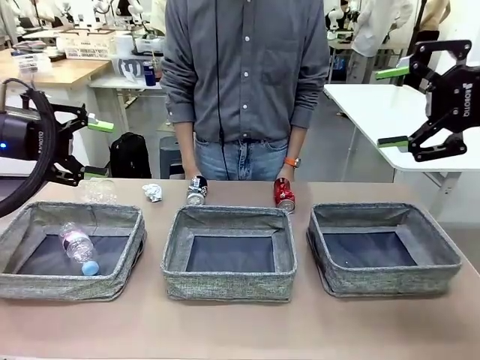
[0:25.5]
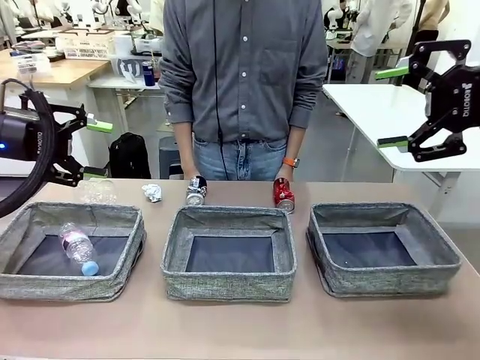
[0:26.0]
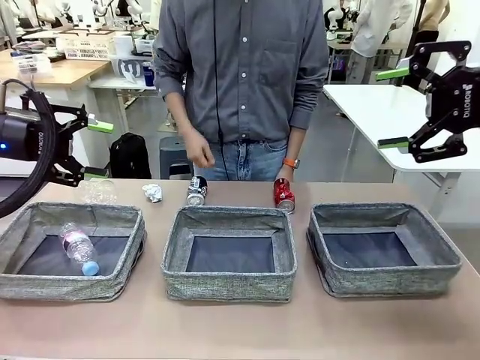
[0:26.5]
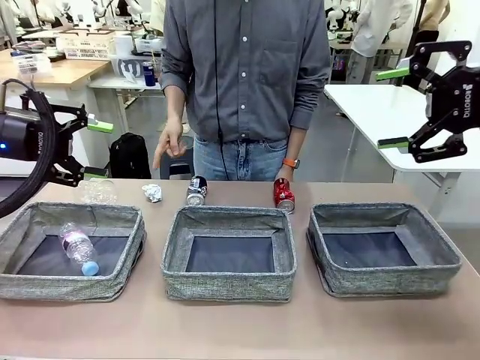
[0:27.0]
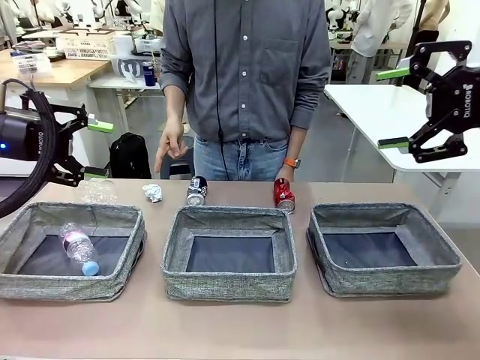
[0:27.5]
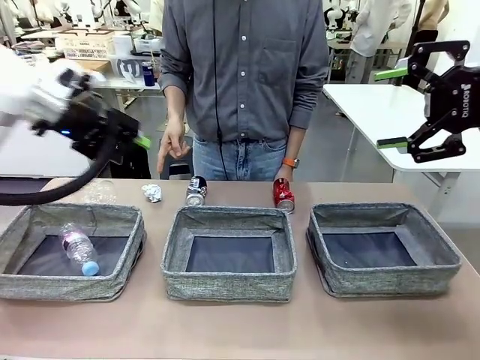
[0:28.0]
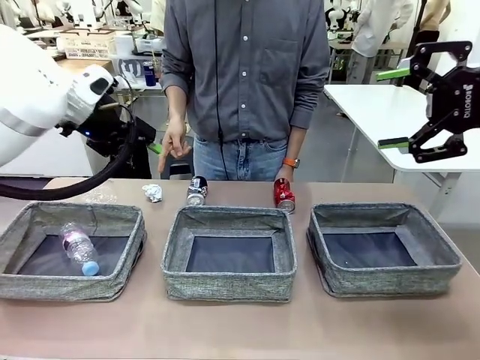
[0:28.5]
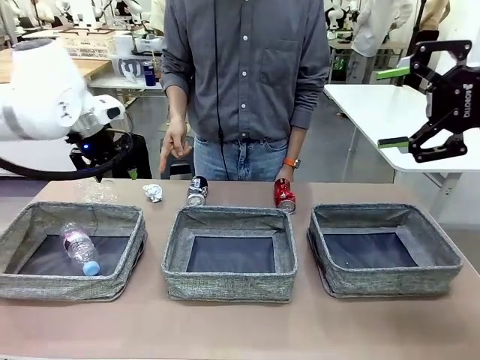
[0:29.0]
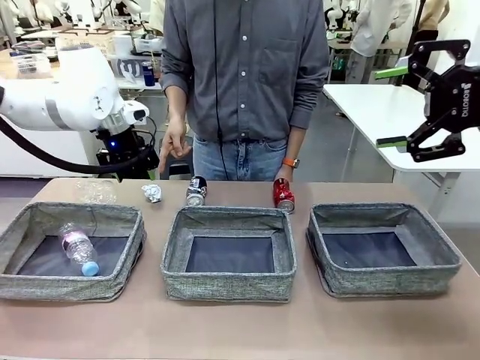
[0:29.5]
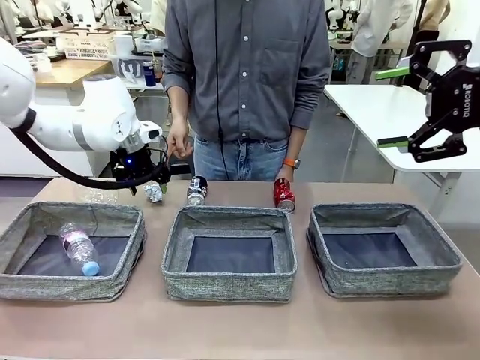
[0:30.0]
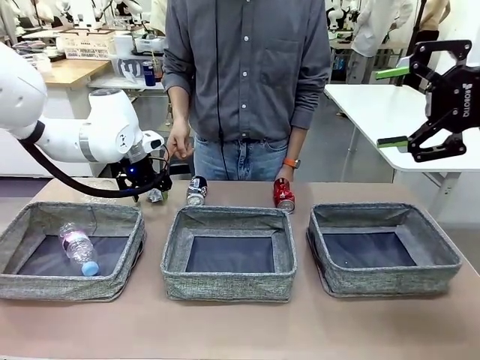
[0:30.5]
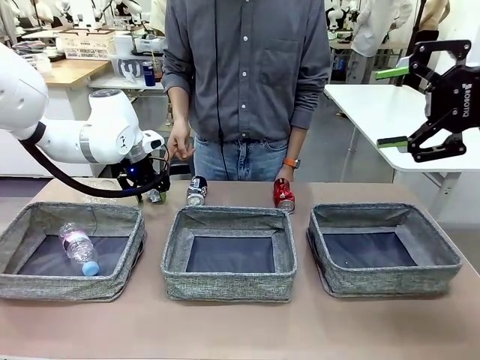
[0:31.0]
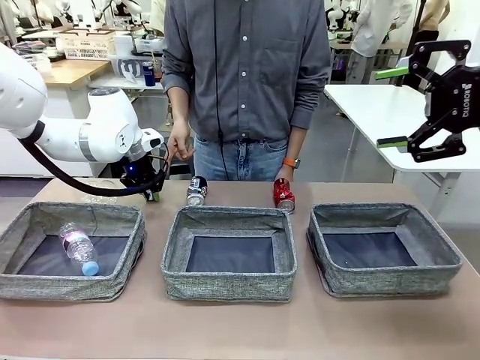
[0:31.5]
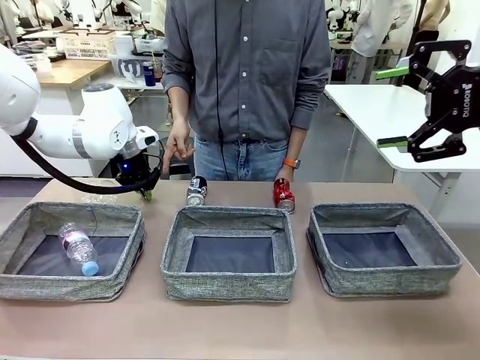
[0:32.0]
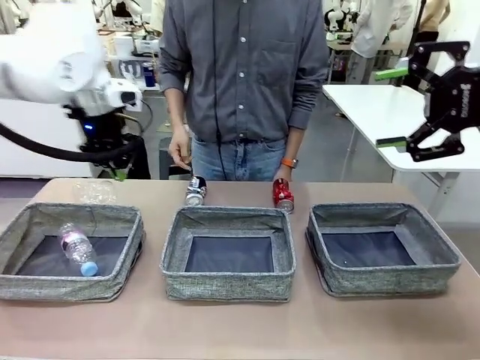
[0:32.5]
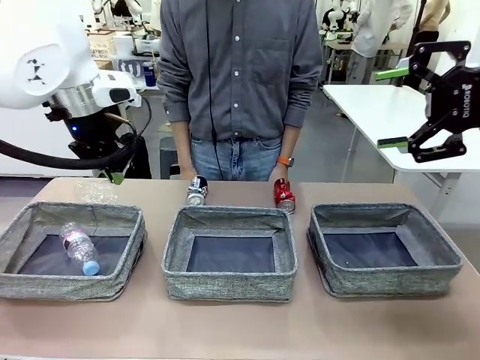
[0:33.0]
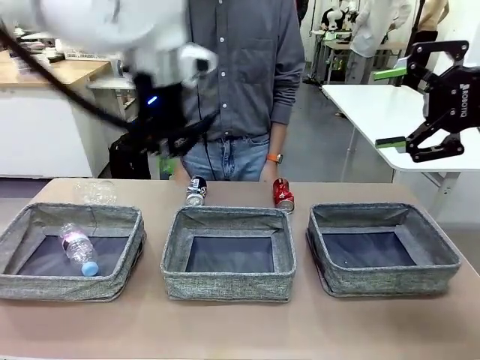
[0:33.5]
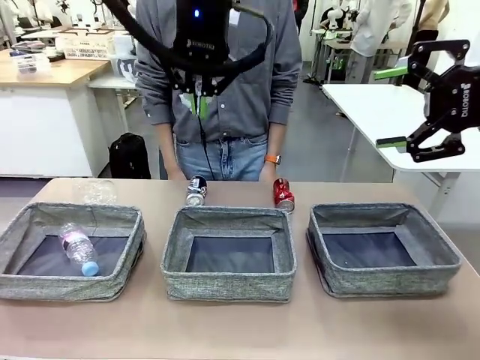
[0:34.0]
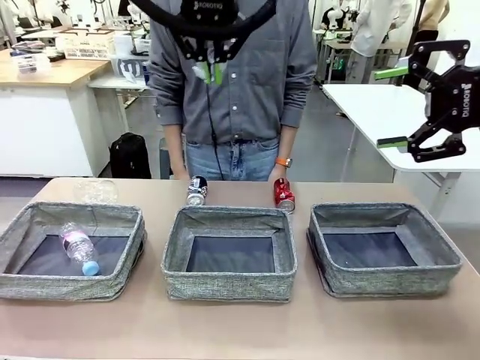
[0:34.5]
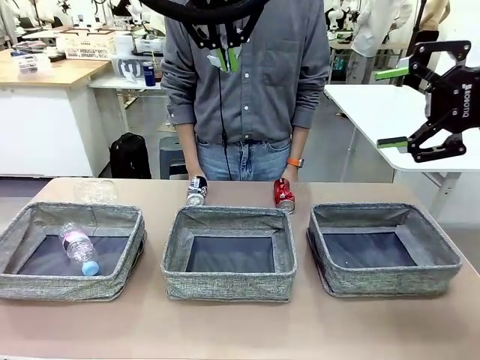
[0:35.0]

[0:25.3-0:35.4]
Task: Sort the waste into the appropriate baskets.
Robot: Pick up the waste item pointed out by the person.
Person: Points to one piece of trash on the table.

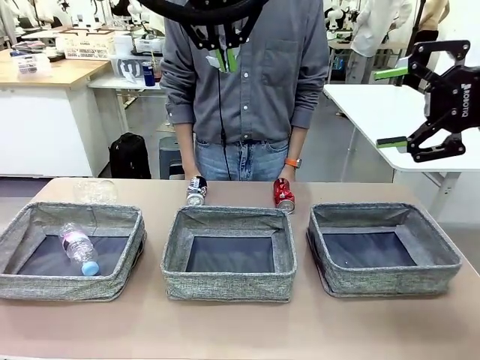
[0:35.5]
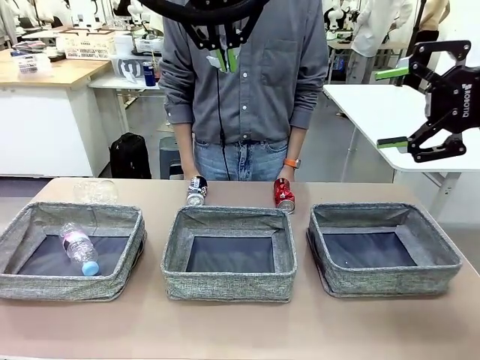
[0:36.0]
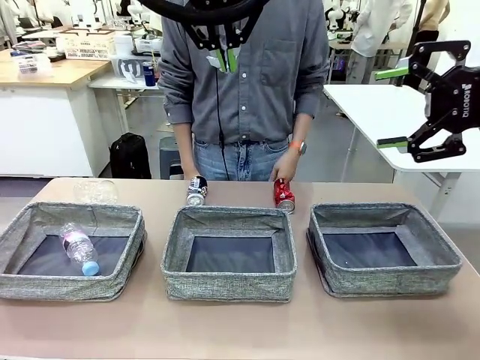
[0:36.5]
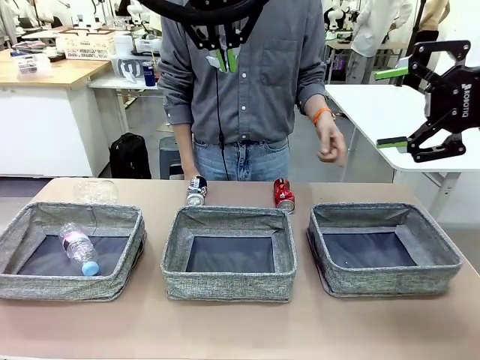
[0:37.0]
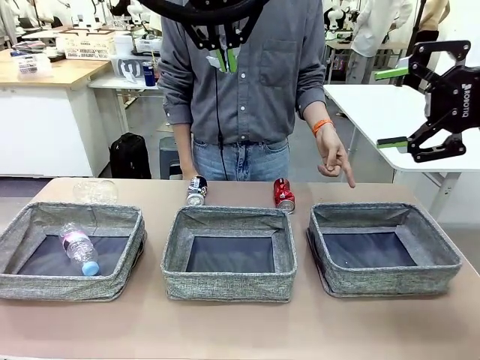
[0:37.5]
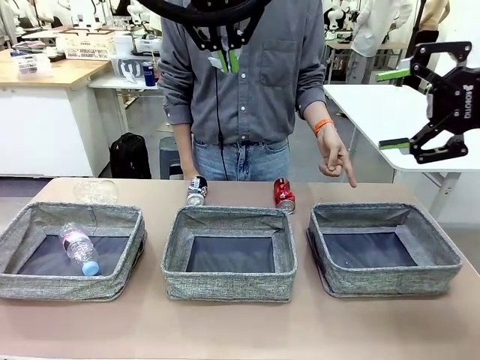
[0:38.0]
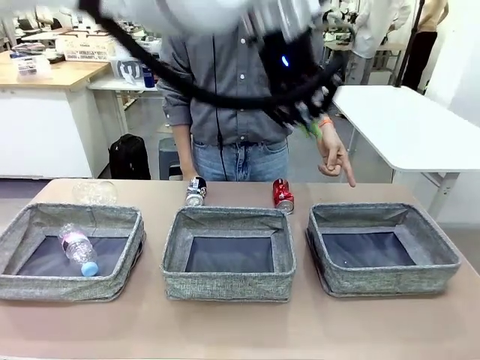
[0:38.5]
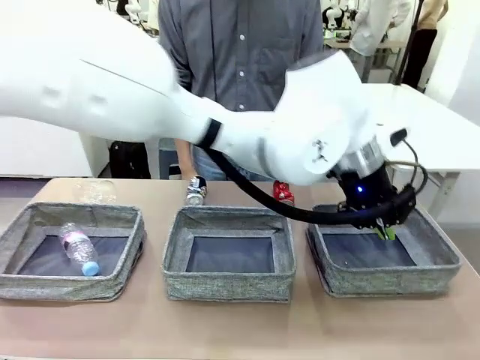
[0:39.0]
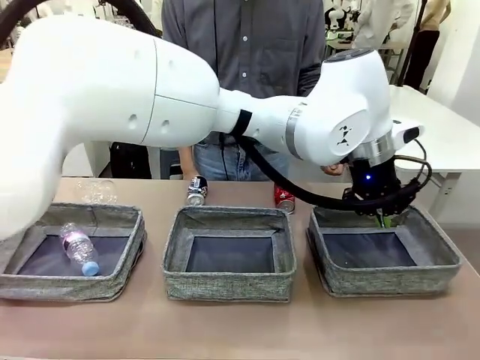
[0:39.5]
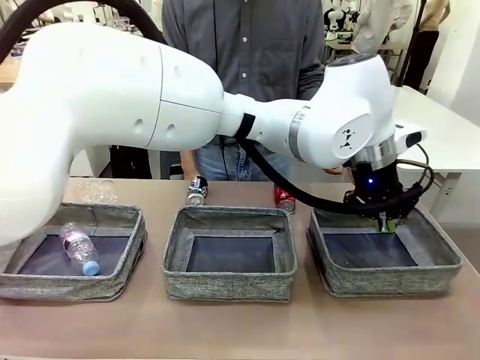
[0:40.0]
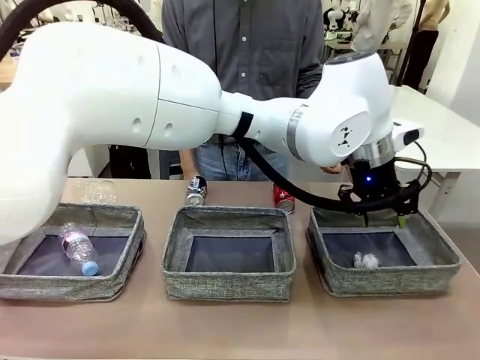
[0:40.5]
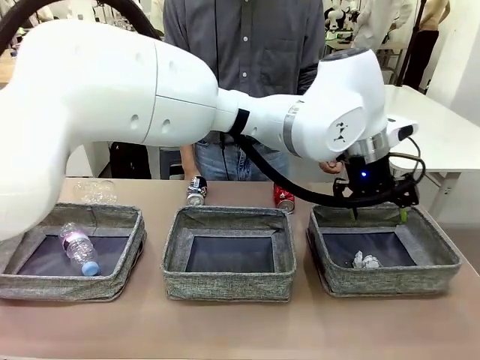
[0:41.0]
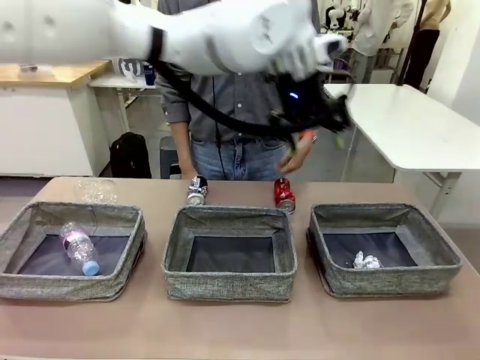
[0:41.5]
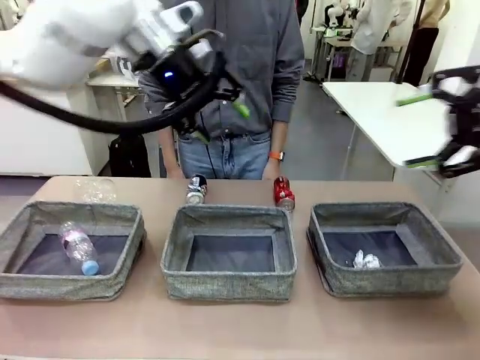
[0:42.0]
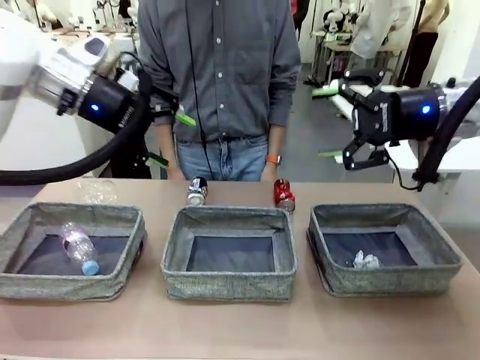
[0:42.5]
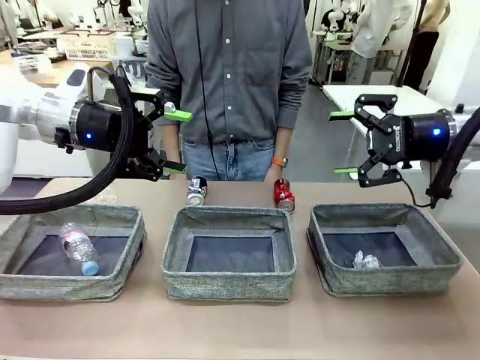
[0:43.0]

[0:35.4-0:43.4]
Robot: Place the picked waste into the Fabric basket indicated by the person.
Person: Instructs the robot to place the picked-up trash into the appropriate organizing basket.

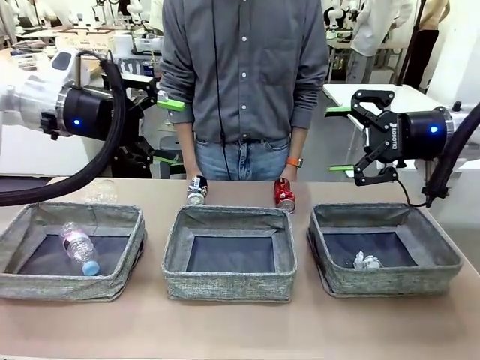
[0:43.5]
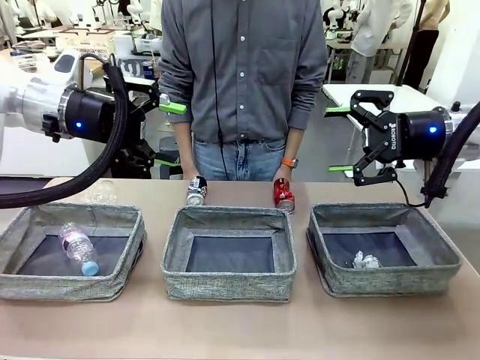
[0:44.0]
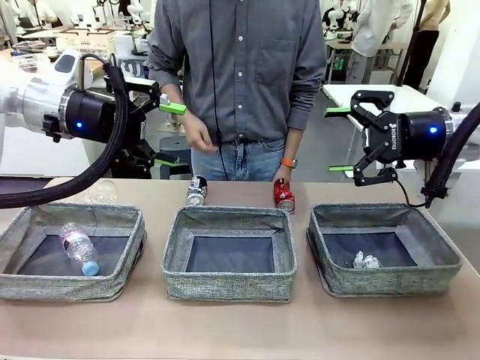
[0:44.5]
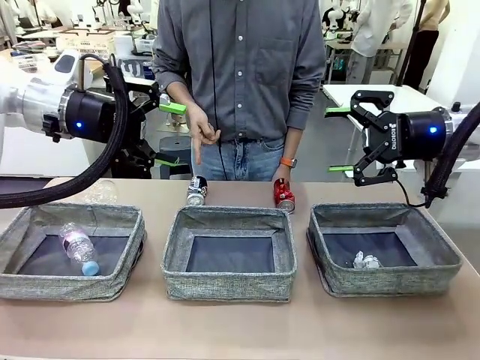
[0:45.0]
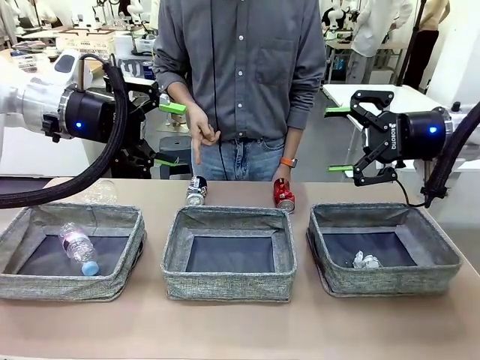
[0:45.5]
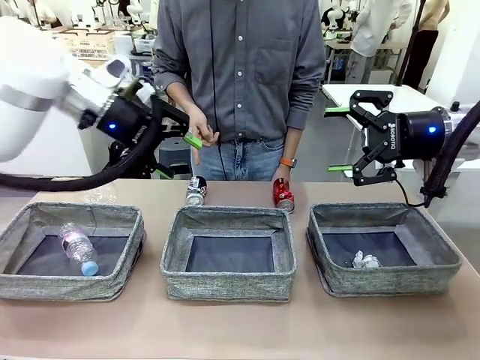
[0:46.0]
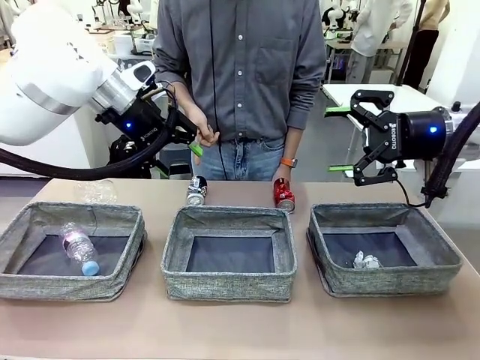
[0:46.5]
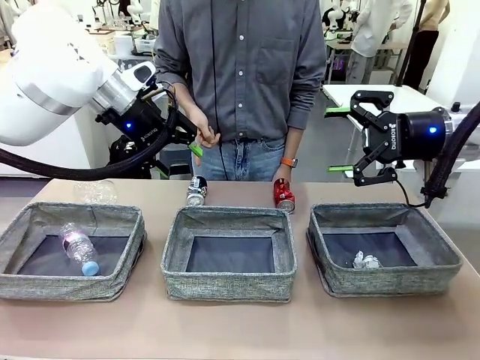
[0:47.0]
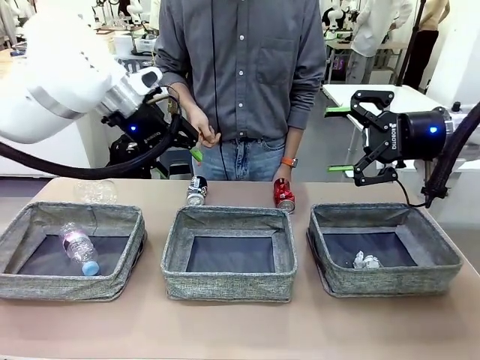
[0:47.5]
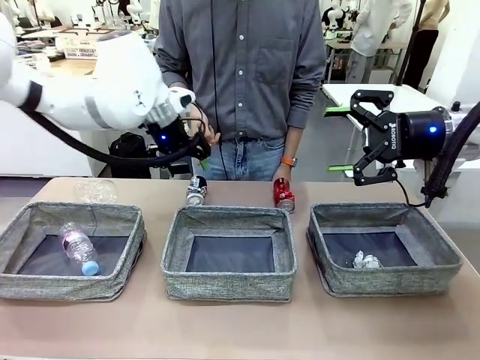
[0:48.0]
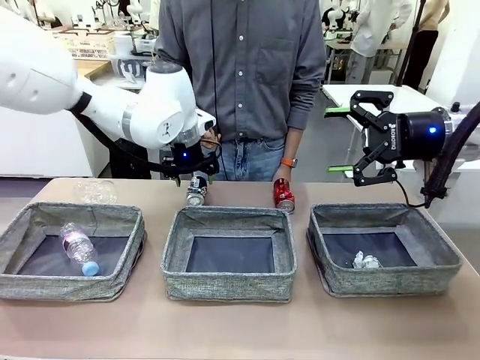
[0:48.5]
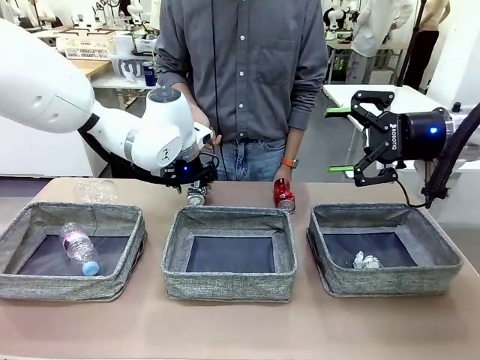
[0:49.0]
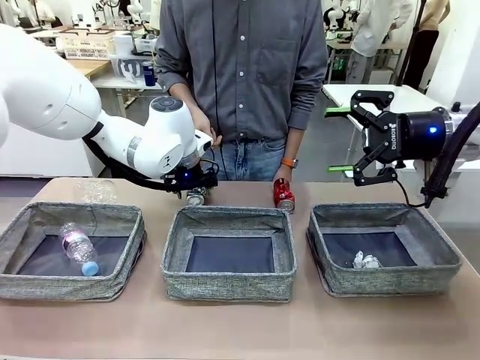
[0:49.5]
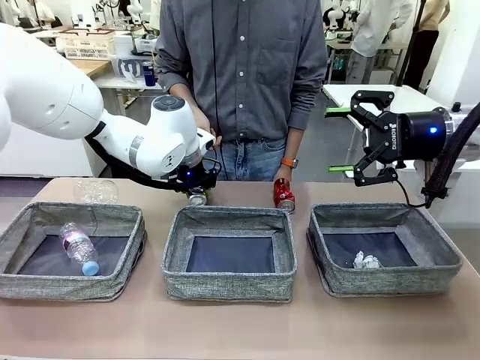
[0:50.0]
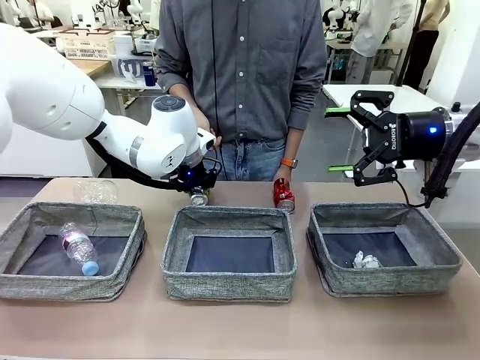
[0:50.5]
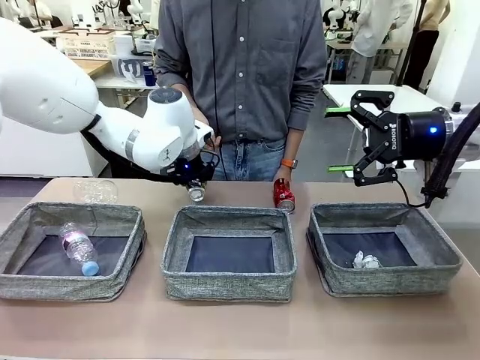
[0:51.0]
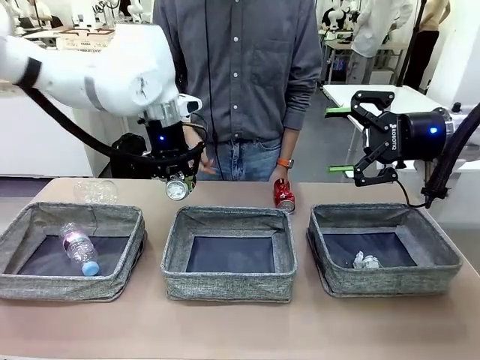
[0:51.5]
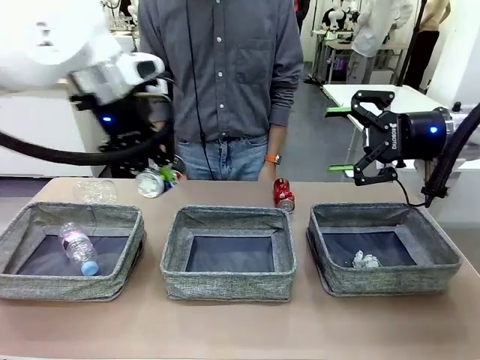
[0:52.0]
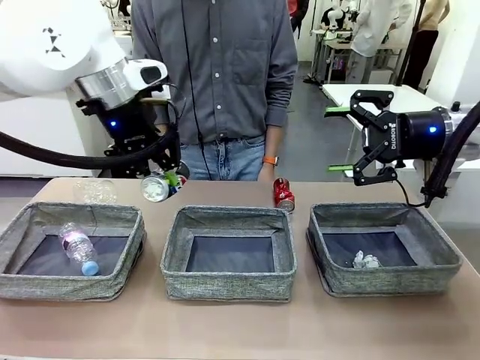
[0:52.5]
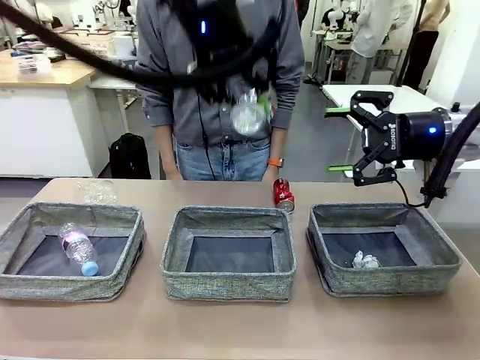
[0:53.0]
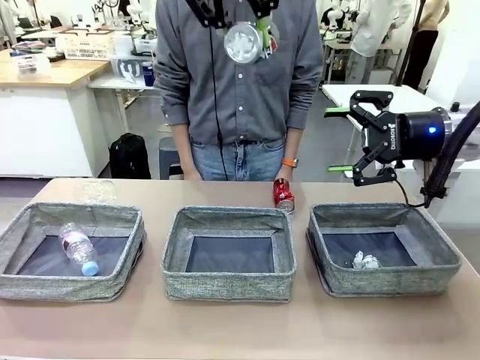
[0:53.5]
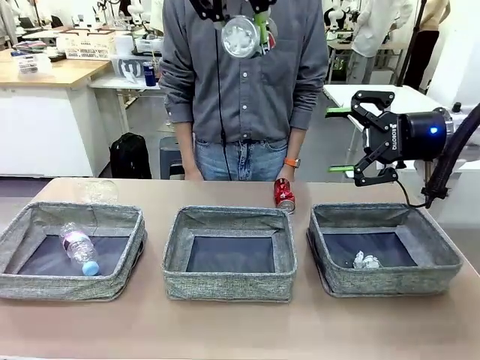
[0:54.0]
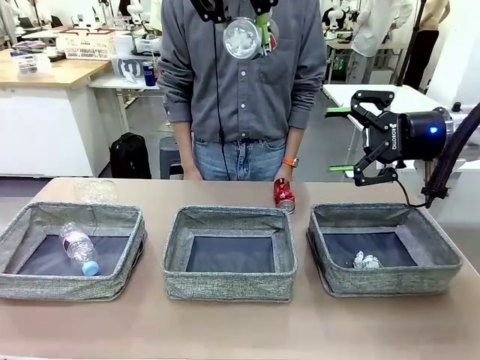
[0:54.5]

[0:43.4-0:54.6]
Robot: Pick up the waste item pointed out by the person.
Person: Points to one piece of trash on the table.
